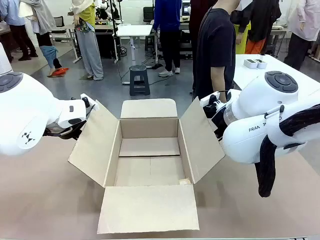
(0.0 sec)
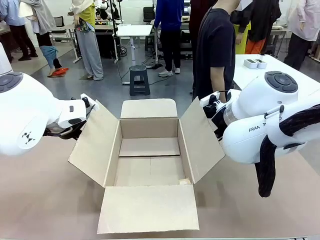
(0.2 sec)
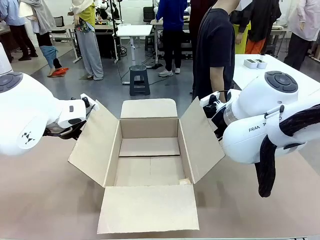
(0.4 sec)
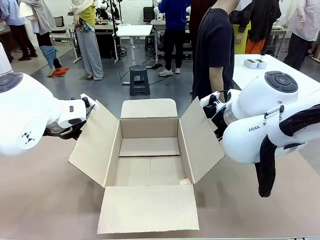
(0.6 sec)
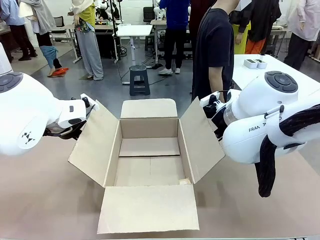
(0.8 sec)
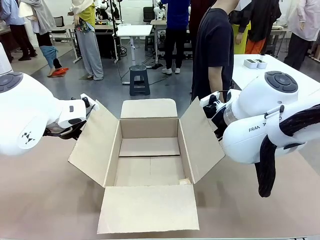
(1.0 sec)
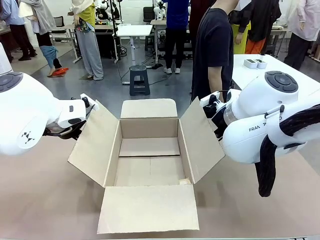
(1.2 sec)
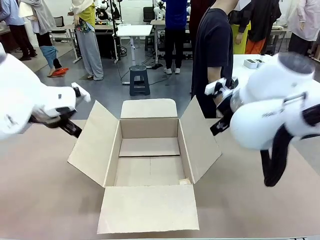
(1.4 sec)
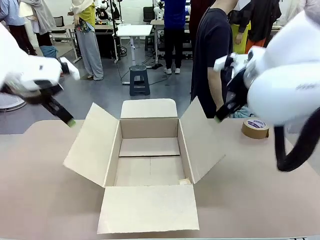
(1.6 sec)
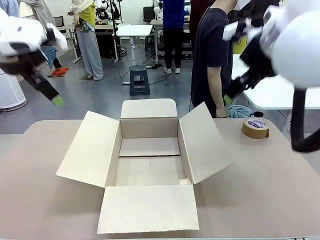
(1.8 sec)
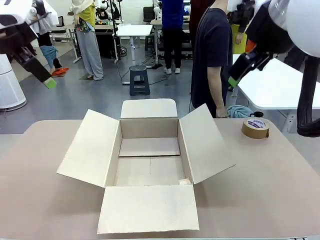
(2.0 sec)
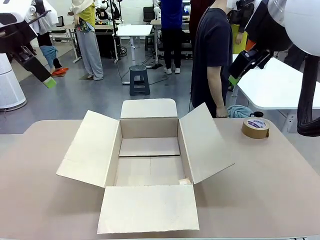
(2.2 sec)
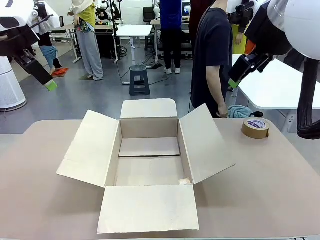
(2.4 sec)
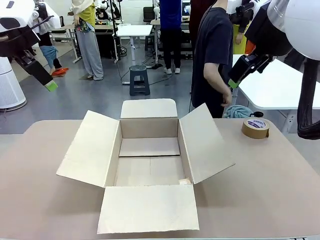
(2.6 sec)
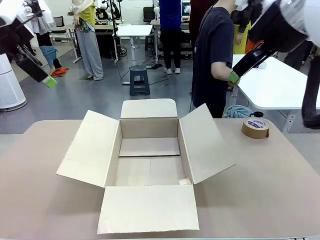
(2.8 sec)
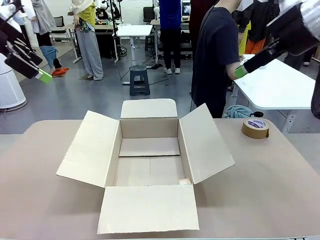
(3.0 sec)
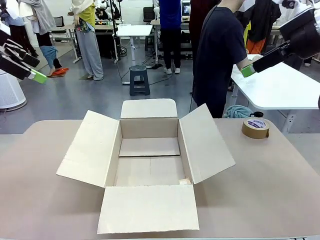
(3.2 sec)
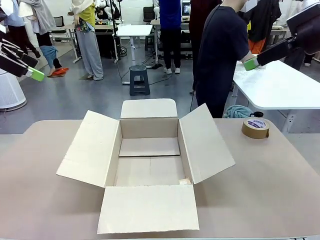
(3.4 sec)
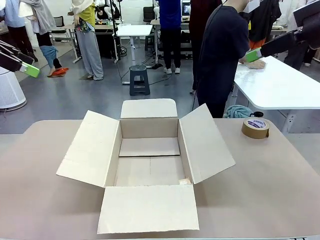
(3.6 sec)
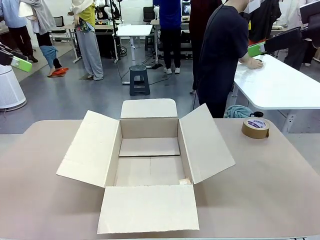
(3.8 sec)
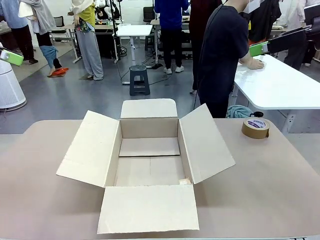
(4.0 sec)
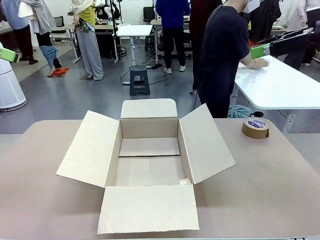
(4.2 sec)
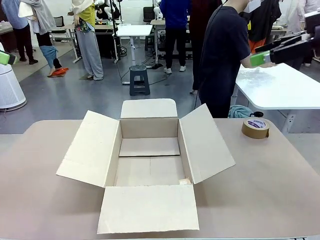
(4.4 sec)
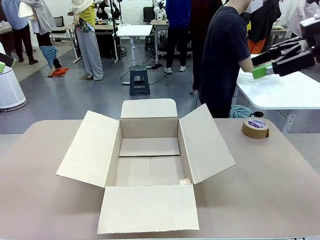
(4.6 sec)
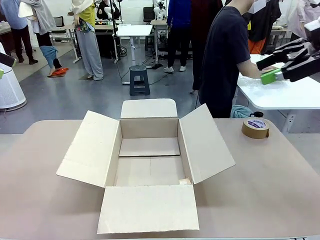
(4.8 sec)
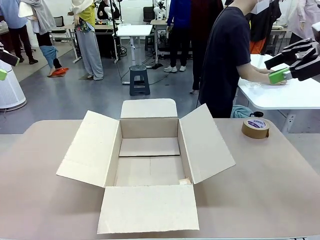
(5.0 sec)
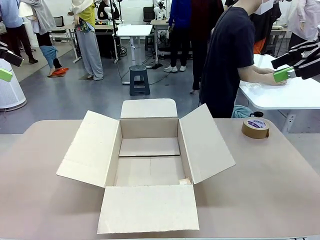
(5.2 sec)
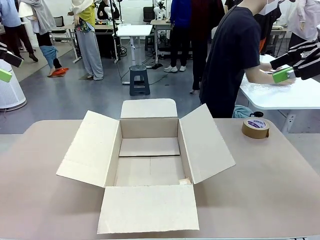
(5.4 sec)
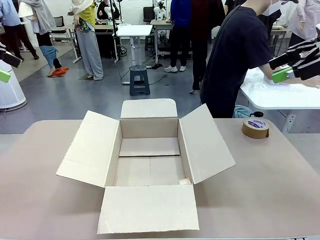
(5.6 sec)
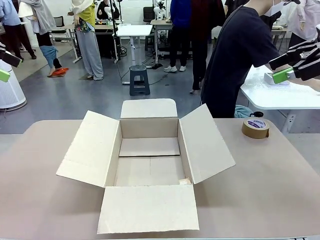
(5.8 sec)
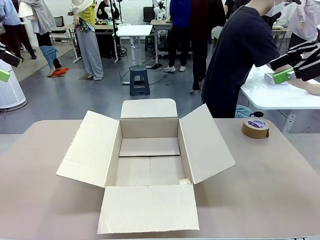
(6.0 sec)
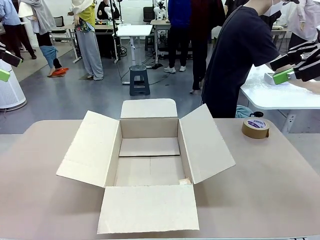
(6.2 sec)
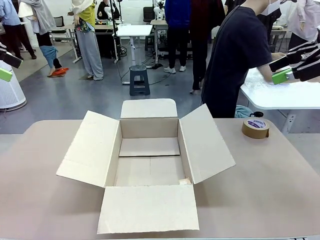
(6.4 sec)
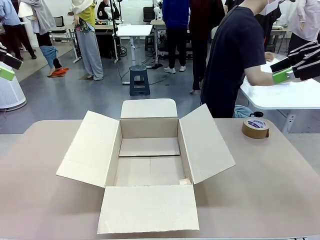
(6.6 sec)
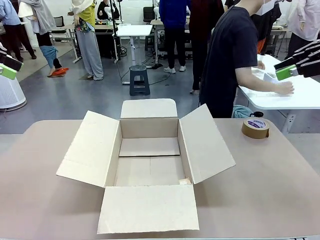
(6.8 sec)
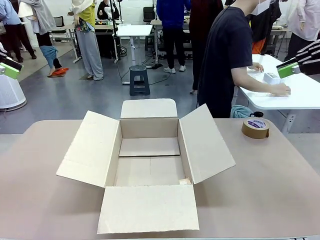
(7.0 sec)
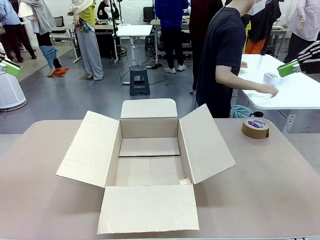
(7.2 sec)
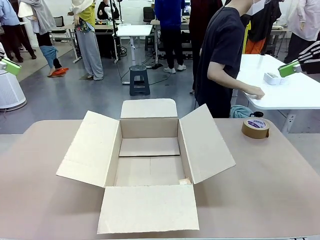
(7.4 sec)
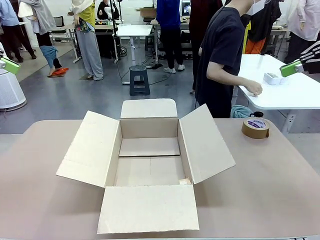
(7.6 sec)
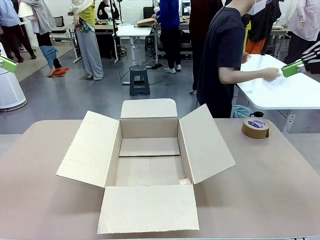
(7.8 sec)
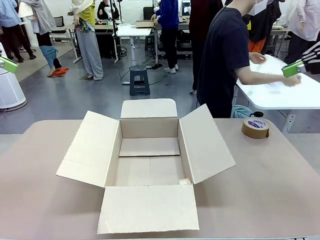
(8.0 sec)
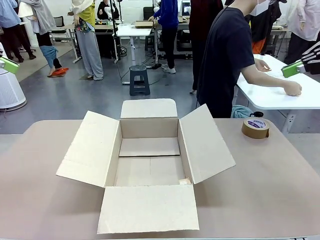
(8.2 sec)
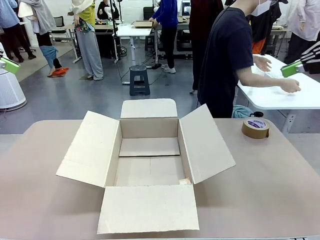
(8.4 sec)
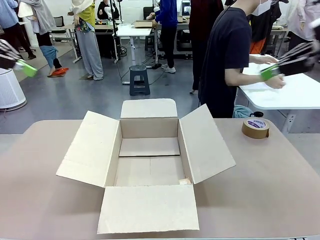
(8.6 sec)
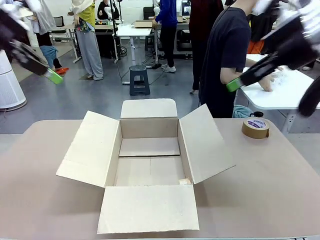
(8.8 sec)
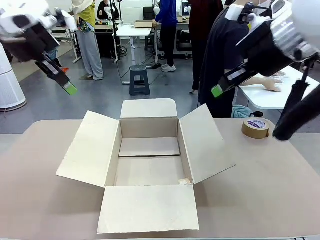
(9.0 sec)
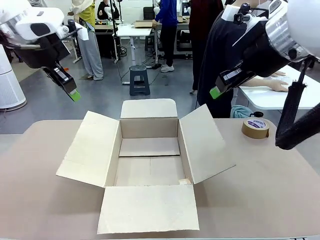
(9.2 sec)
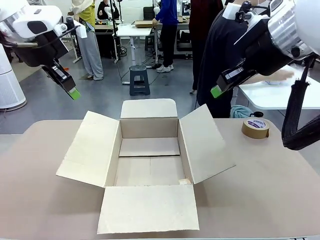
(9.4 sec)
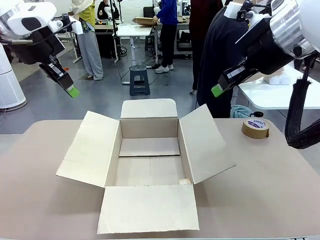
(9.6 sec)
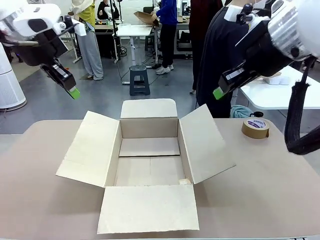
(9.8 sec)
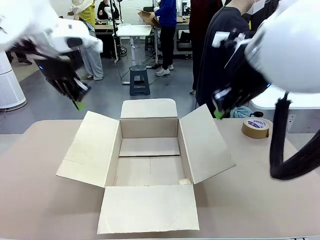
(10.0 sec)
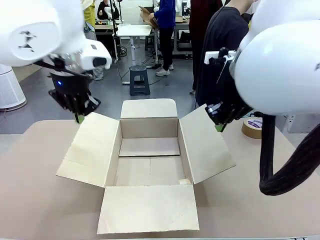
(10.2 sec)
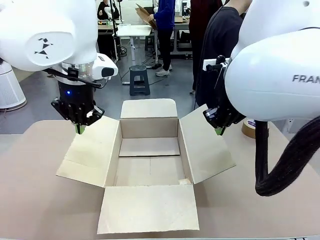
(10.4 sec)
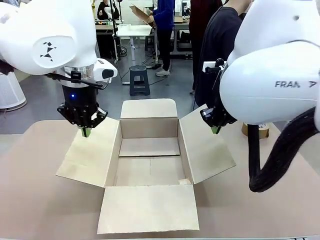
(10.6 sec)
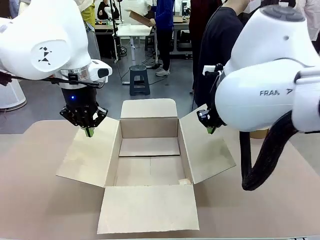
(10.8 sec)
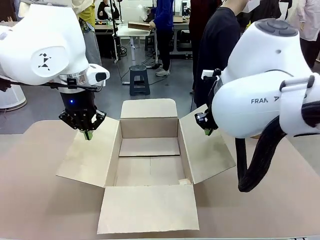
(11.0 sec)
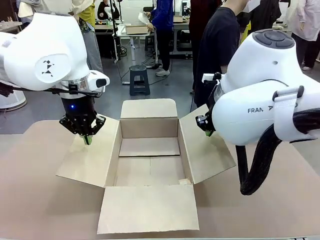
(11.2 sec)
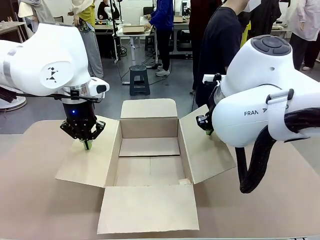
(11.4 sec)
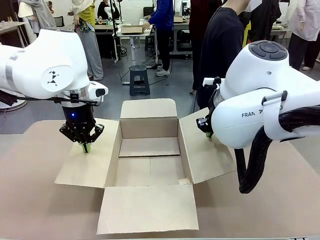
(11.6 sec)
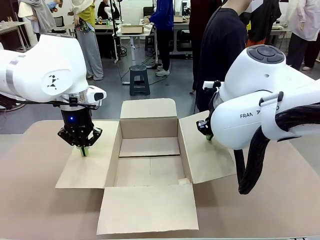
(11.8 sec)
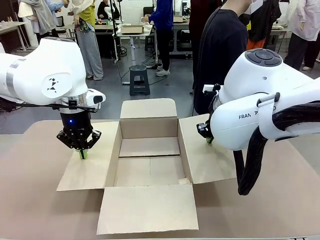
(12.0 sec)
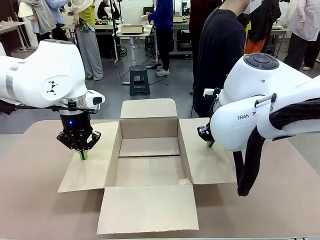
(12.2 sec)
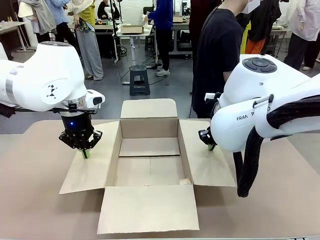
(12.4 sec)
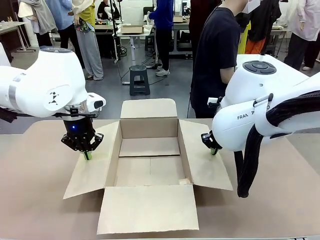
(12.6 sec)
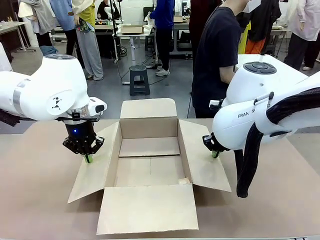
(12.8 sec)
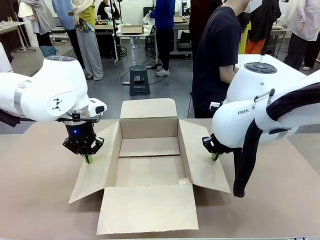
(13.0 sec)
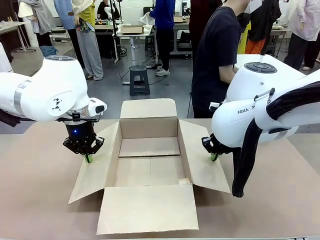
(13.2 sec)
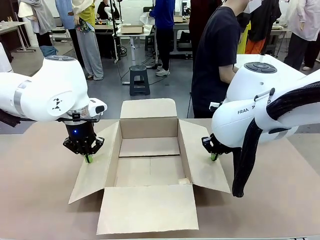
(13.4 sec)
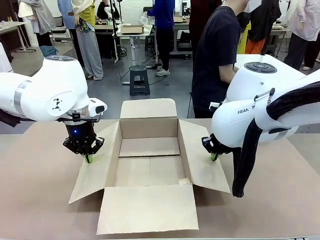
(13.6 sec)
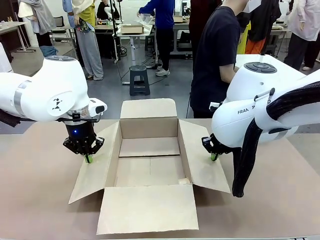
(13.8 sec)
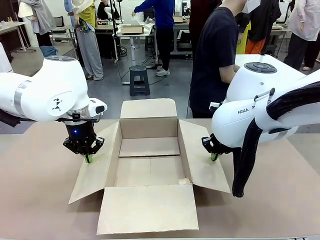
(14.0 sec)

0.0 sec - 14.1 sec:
Task: Wrap the clocks to prevent damage.
Robot: Open the side flaps of the Package Box.
Person: Wrap the two Digital clocks with Bubble Wrap.

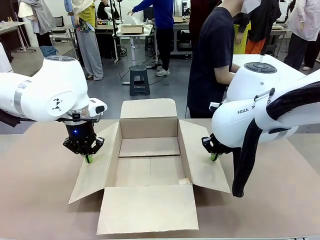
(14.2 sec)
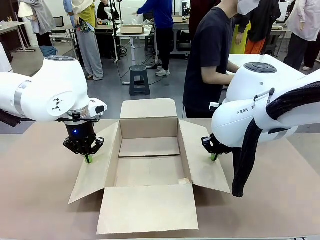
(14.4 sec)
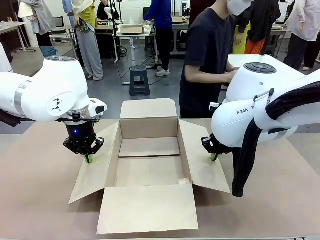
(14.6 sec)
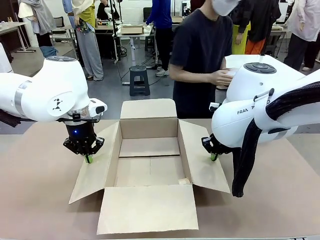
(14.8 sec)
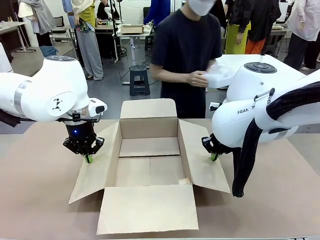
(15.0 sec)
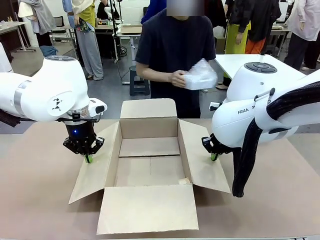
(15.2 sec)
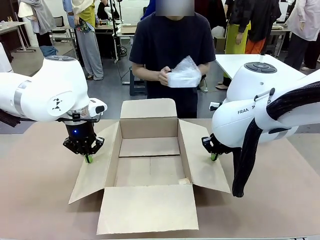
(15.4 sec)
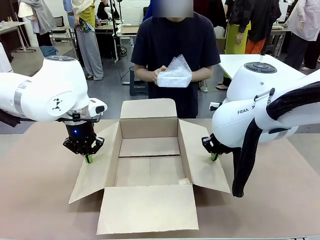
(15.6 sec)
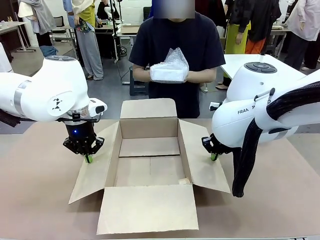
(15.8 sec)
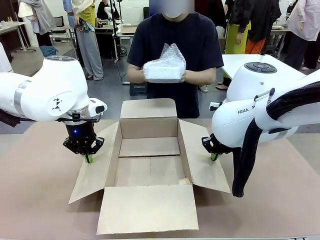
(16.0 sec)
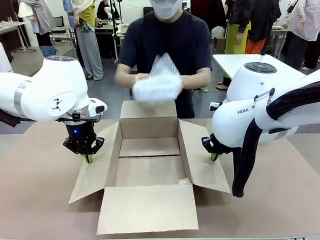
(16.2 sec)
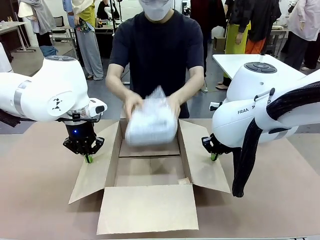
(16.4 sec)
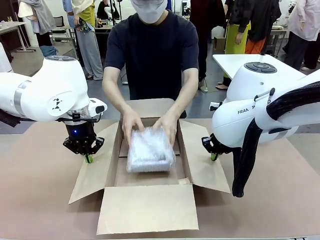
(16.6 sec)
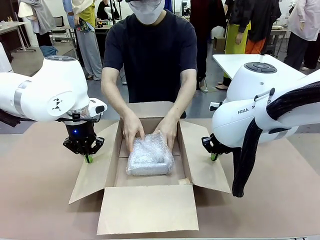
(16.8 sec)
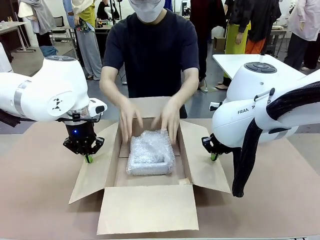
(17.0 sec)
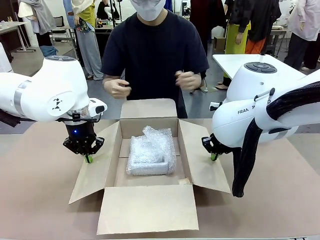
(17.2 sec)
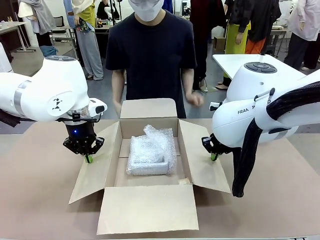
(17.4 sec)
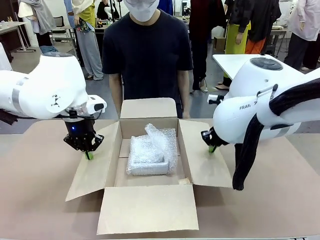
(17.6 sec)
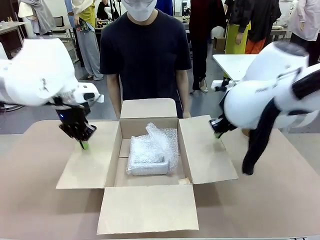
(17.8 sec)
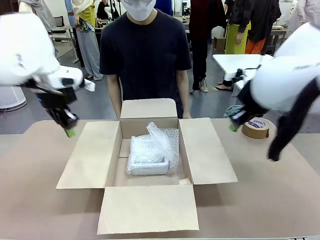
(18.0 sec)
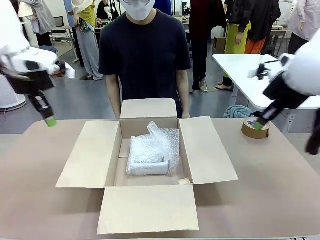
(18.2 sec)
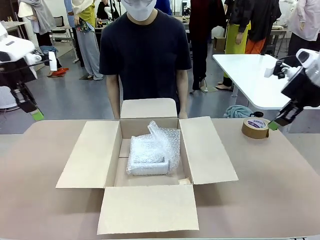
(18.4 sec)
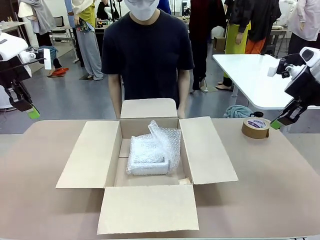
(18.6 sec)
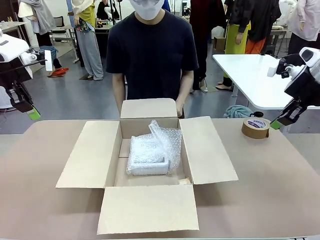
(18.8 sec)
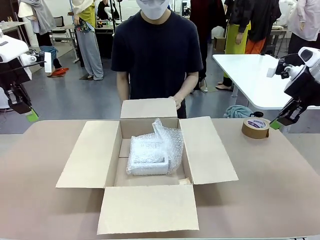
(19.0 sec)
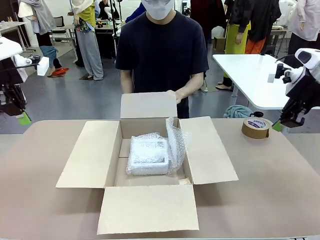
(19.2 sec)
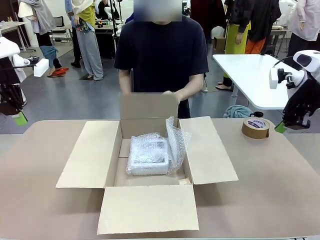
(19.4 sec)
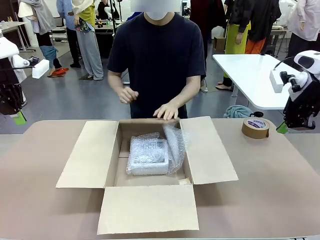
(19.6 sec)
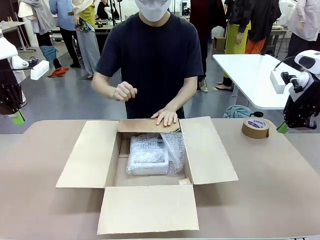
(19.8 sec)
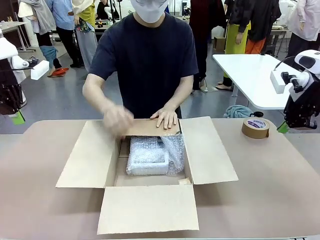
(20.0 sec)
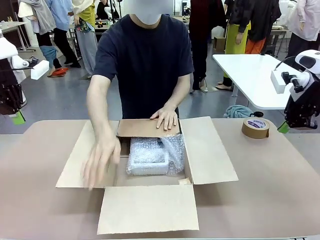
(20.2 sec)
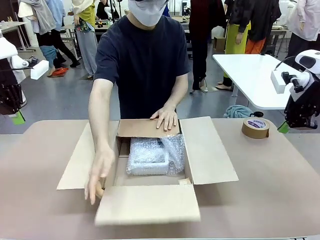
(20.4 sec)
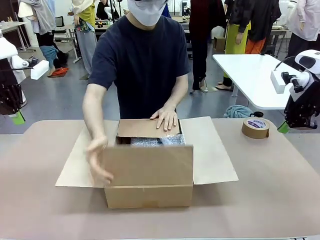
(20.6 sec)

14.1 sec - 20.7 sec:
Robot: Once the human has placed the objects inside and stepped back, release both hands from the side flaps of the Package Box.
Person: Place the wrapped Digital clocks inside the Package Box. Hold the top and bottom flaps of the Package Box closed with your left (or right) hand.
